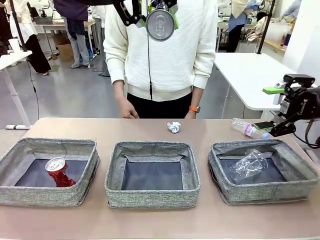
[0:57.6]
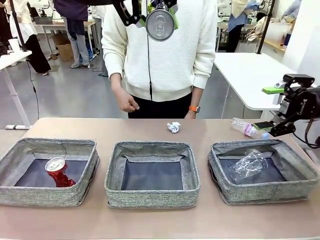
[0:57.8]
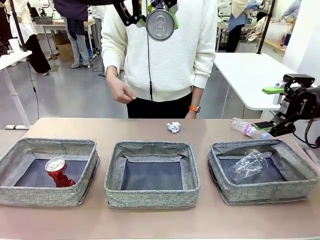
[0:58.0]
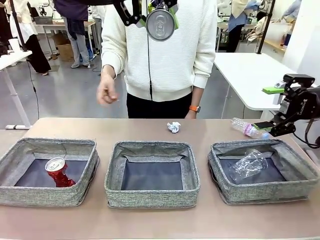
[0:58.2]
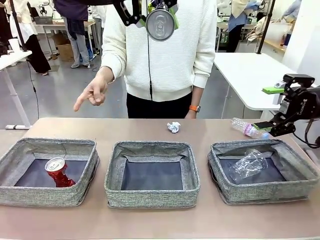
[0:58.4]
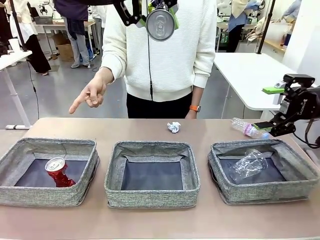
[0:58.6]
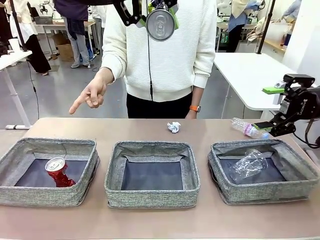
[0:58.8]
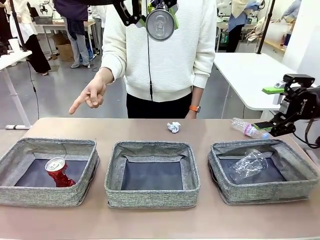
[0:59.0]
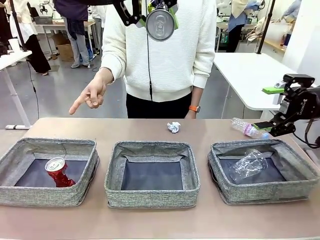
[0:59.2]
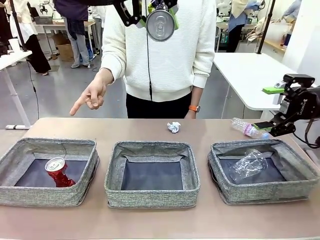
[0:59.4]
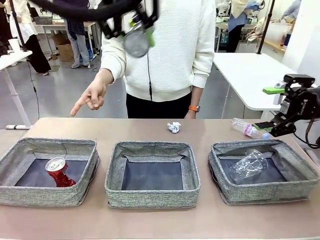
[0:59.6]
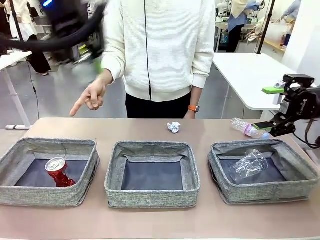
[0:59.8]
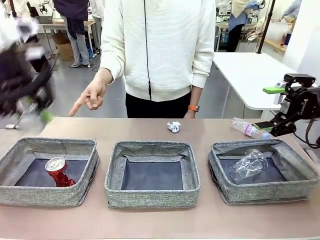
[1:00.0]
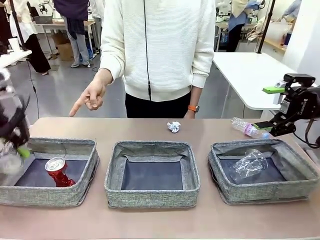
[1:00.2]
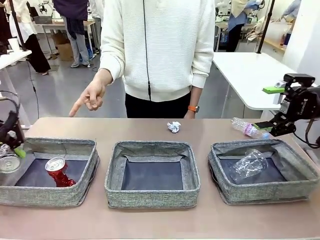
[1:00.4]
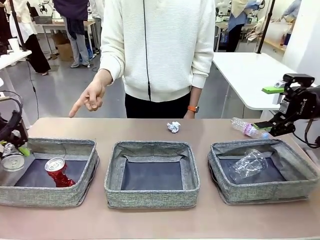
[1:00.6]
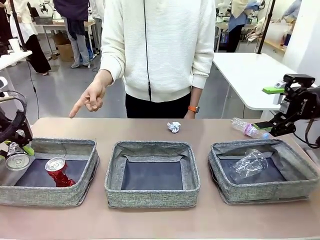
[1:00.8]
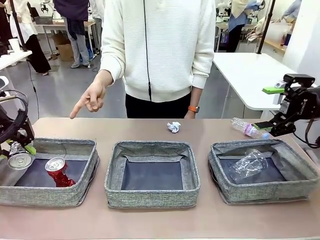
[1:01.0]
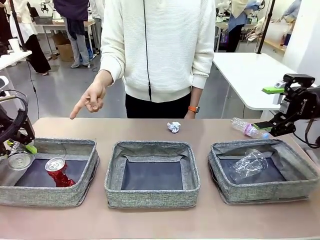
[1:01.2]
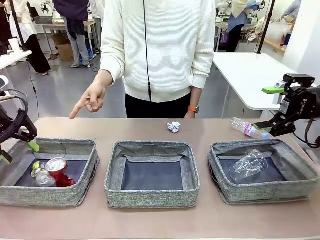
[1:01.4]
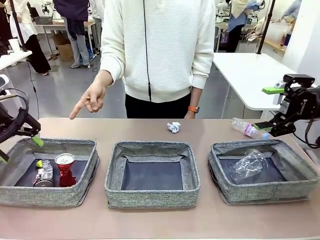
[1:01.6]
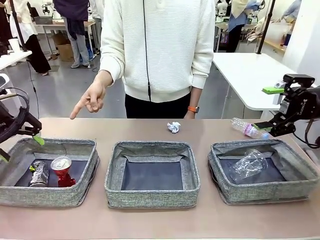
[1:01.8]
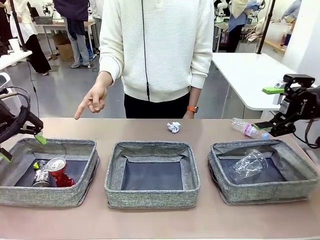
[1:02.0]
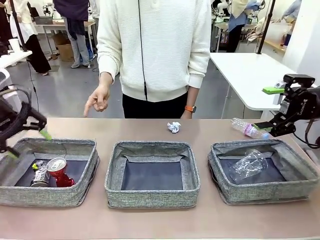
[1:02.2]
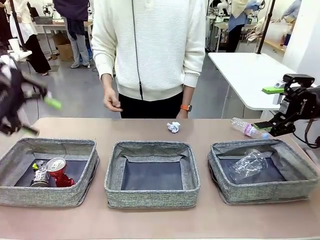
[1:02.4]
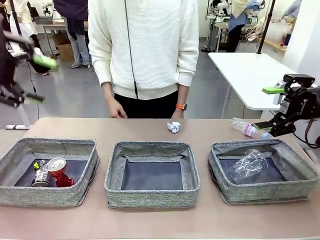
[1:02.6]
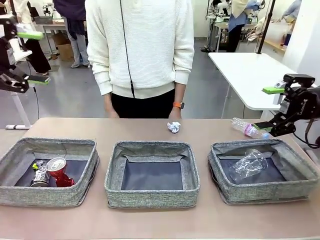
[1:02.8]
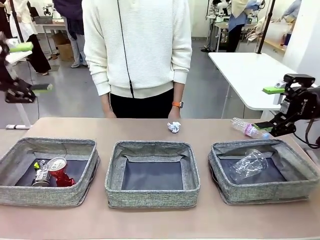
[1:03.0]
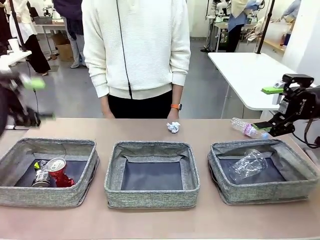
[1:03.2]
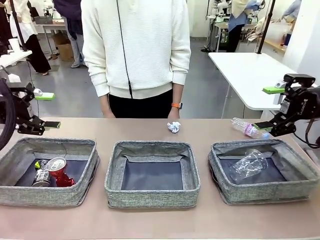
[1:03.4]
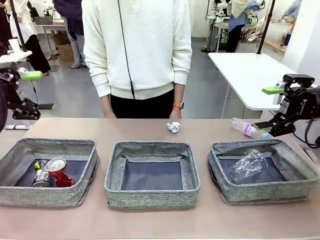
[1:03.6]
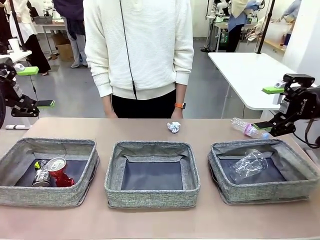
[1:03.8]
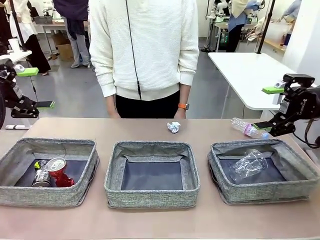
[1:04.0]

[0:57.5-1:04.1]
Task: Sort the waste into the appropriate baskets.
Robot: Place the picked waste into the Fabric basket indicated by the person.
Person: Instructs the robot to place the picked-up trash into the appropriate organizing basket.

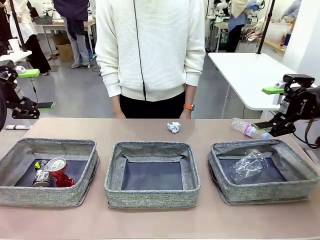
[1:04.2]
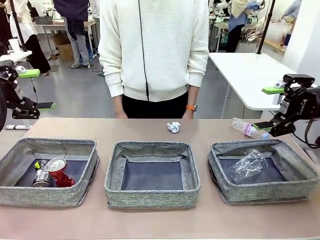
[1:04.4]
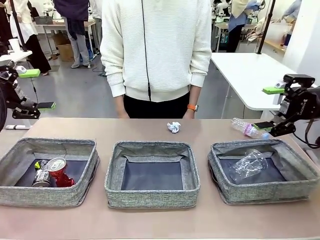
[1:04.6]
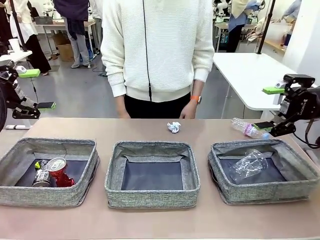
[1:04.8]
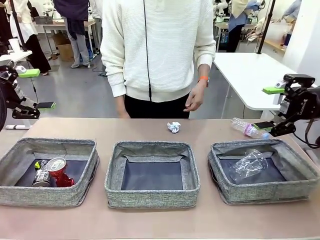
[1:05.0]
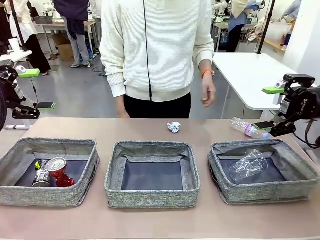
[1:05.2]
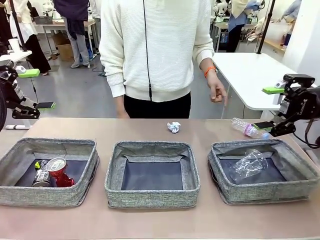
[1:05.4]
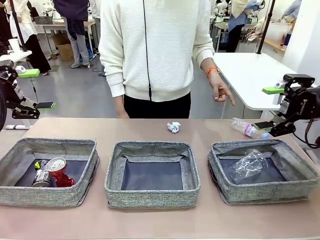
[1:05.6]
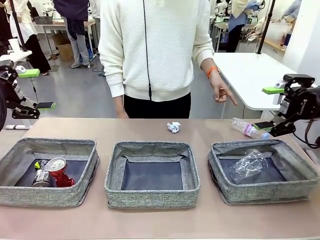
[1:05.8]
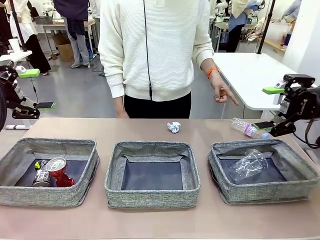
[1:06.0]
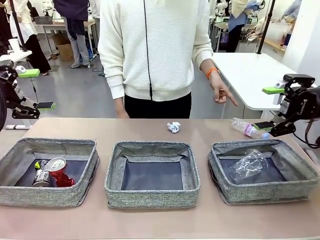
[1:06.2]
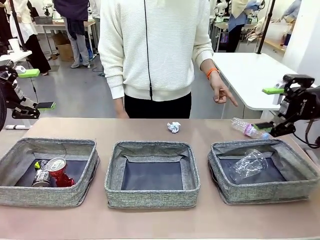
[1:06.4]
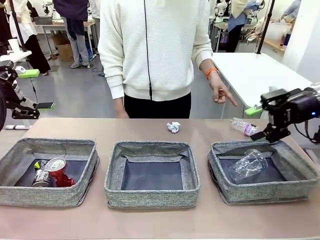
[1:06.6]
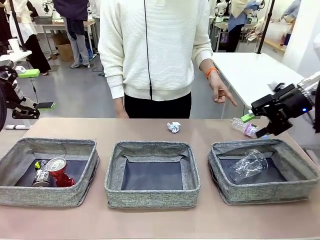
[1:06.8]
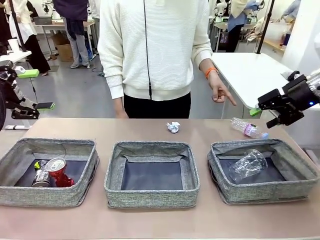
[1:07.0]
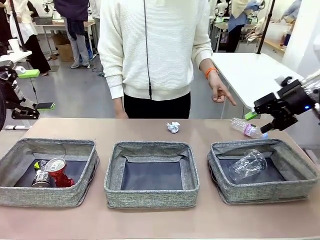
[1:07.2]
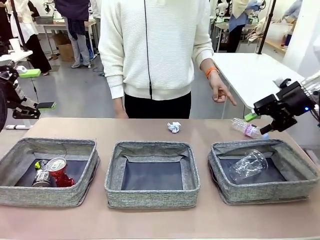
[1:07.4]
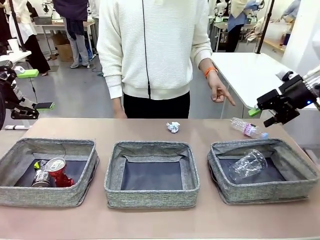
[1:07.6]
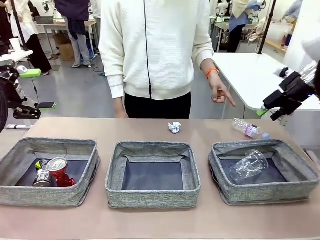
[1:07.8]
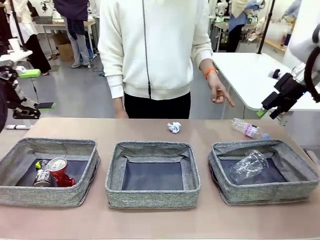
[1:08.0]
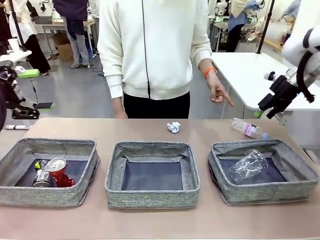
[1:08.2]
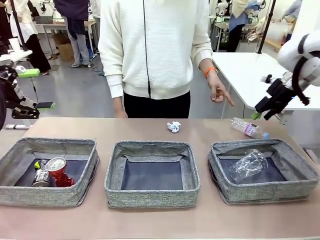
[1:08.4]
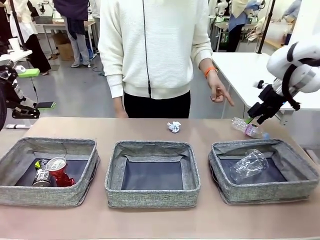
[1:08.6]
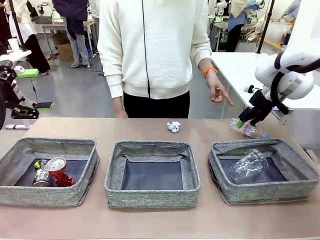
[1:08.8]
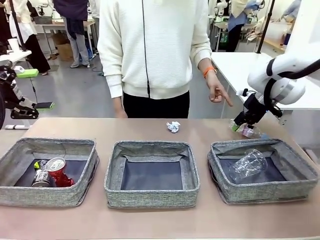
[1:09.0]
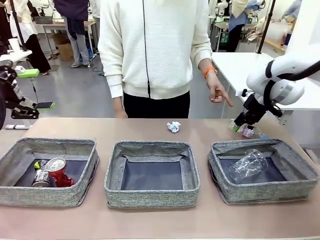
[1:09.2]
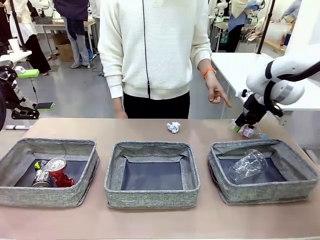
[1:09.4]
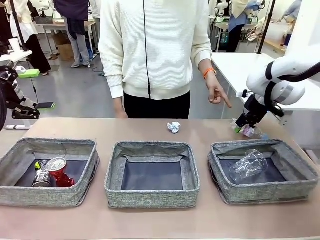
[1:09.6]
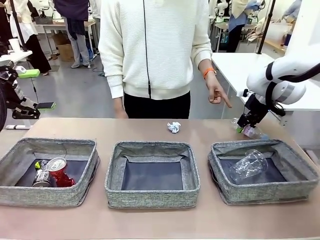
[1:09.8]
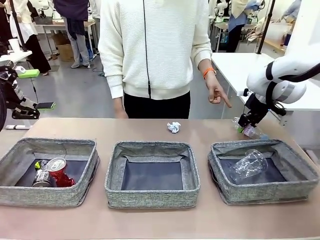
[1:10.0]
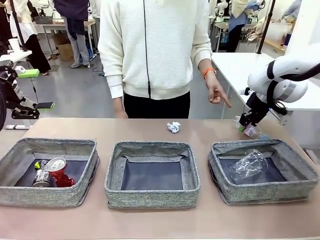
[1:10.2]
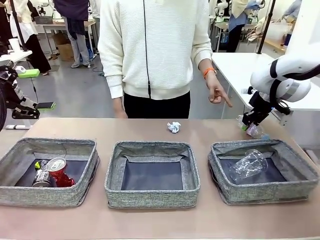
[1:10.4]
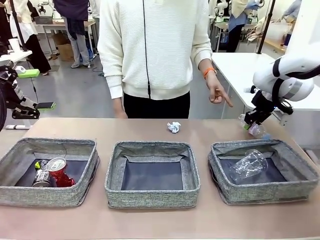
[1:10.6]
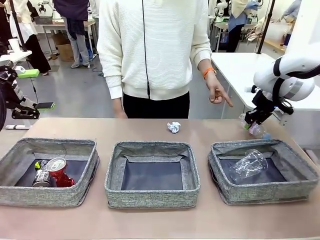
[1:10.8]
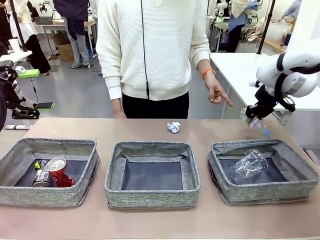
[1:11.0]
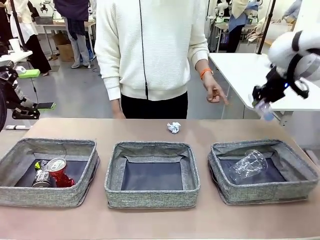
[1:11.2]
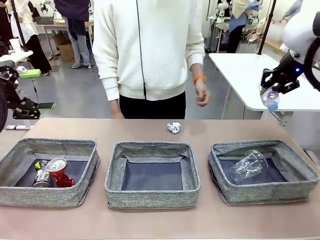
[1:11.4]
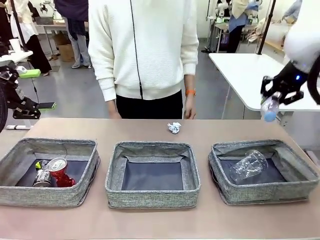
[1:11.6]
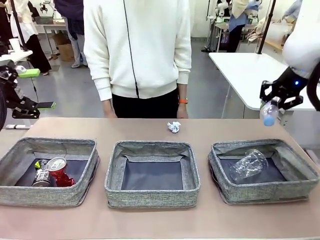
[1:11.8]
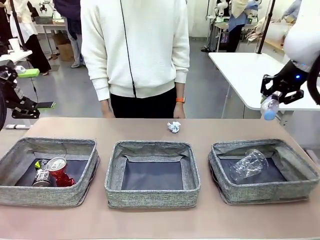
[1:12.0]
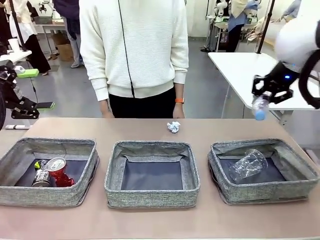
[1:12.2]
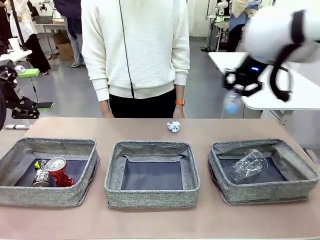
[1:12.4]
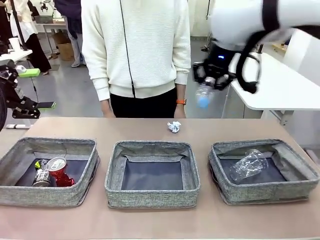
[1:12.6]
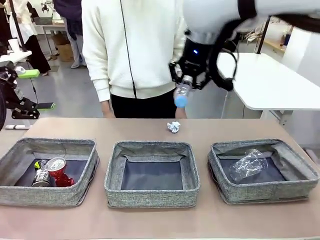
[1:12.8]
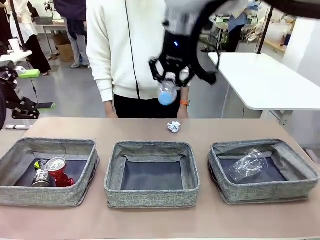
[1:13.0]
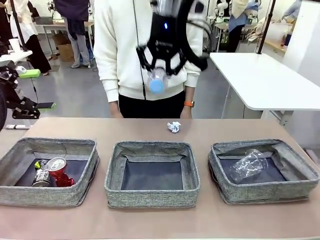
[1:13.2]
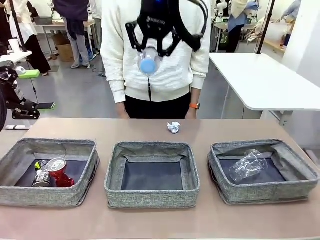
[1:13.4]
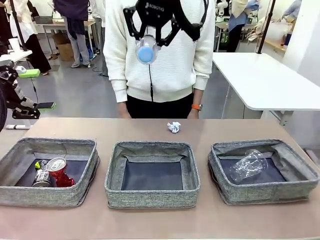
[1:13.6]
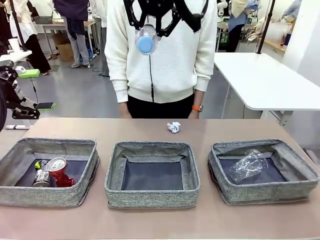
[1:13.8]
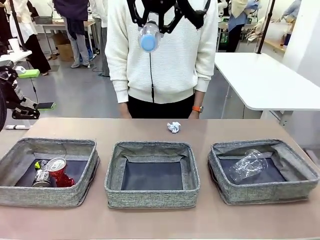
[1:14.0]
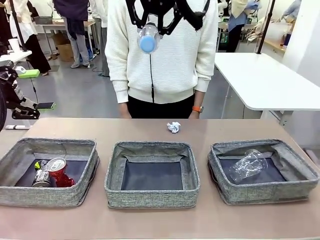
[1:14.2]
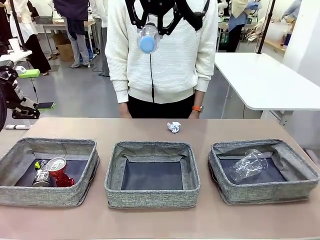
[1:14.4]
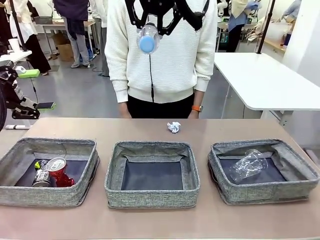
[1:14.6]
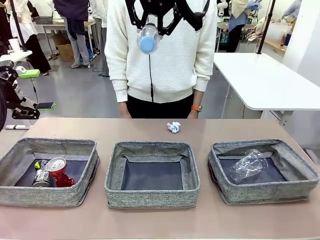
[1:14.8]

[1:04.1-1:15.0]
Robot: Pick up the waste item pointed out by the person.
Person: Points to one piece of trash on the table.

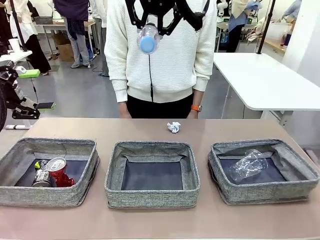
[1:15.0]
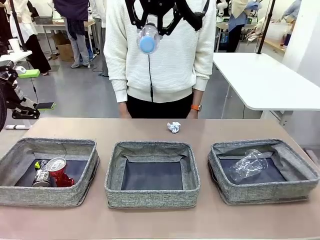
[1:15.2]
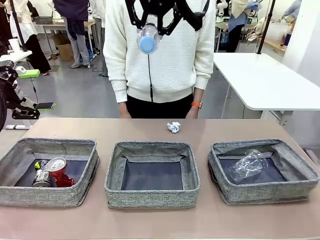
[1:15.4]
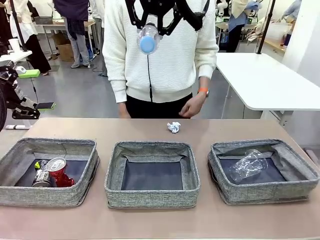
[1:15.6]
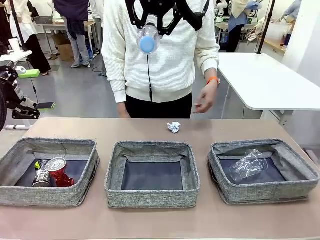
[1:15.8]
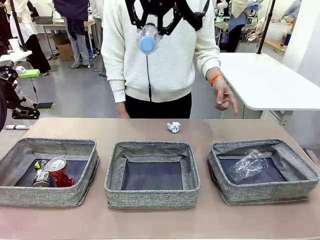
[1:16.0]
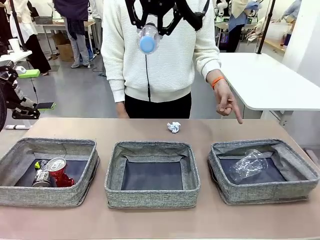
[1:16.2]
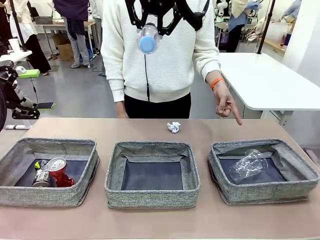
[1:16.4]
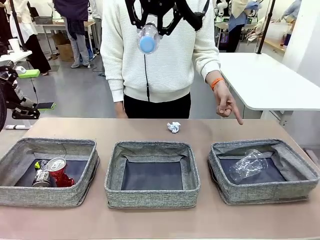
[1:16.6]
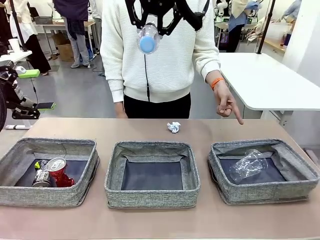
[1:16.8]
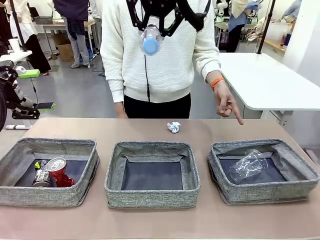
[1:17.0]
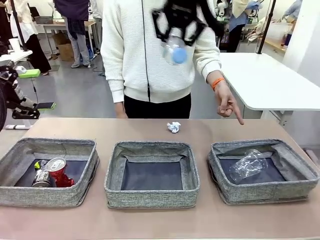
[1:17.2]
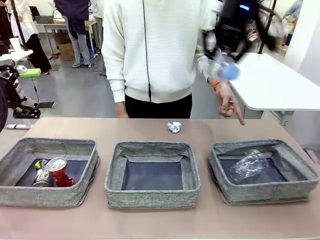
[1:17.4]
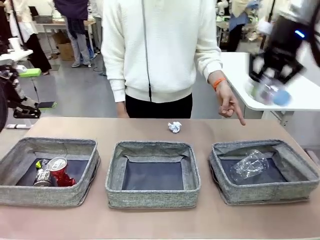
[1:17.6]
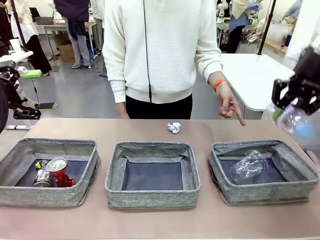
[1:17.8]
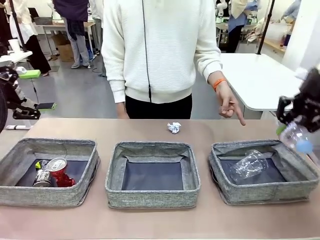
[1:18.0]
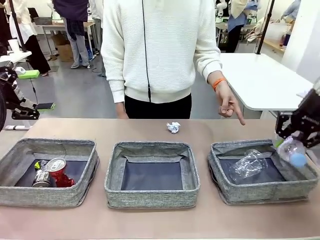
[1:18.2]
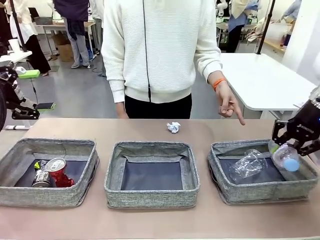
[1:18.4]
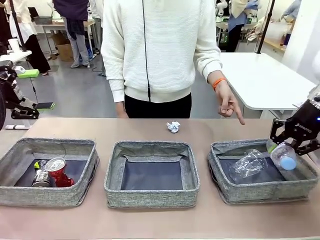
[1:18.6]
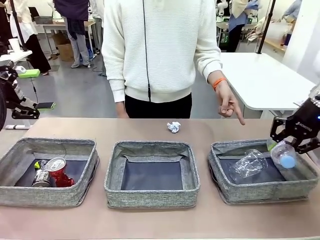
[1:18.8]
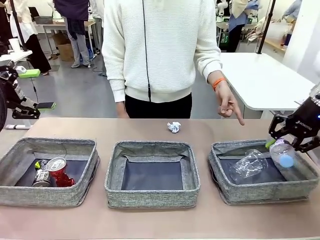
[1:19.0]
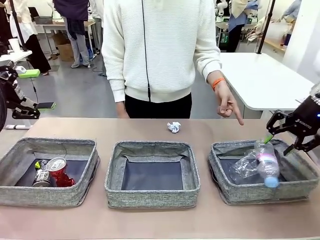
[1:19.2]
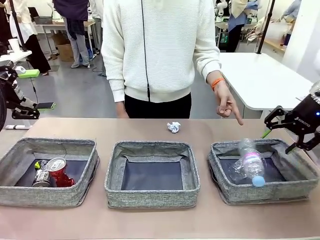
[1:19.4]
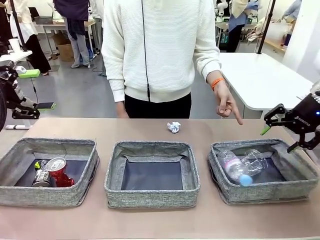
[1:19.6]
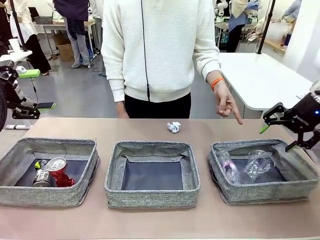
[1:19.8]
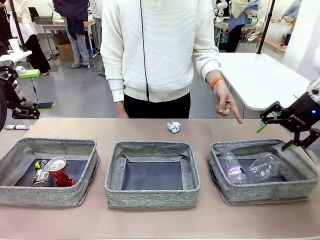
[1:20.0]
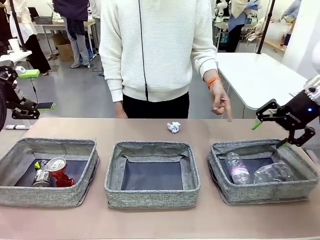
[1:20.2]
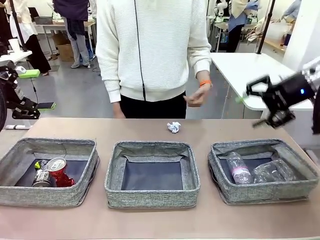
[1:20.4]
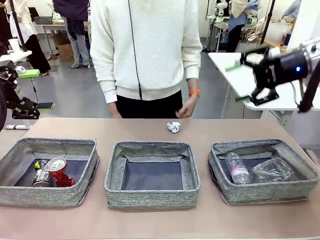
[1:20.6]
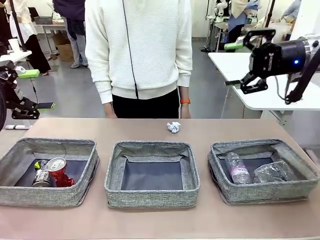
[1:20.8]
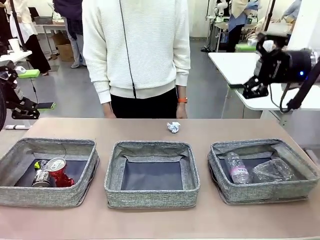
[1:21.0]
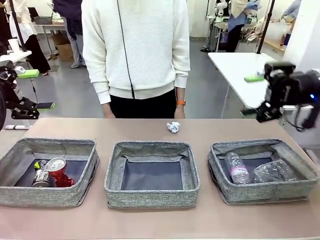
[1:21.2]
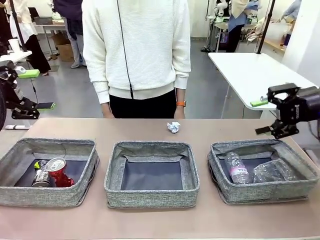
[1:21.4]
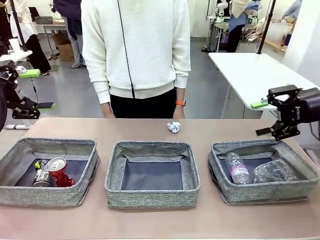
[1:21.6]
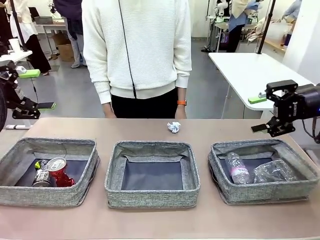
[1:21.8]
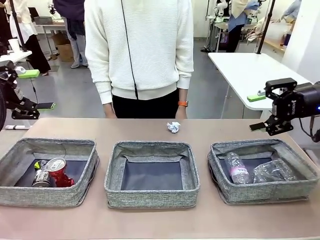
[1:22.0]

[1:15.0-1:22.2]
Robot: Place the picked waste into the Fabric basket indicated by the person.
Person: Instructs the robot to place the picked-up trash into the appropriate organizing basket.
